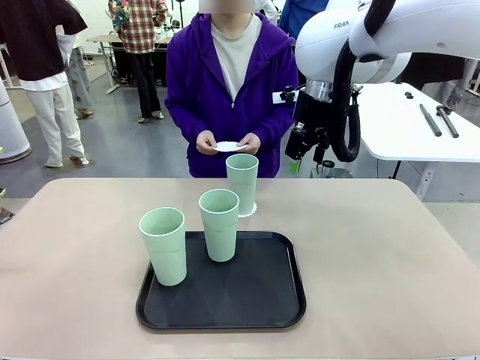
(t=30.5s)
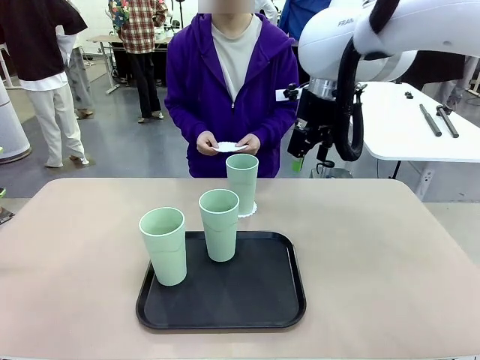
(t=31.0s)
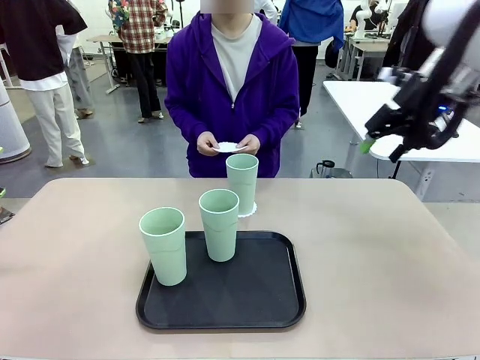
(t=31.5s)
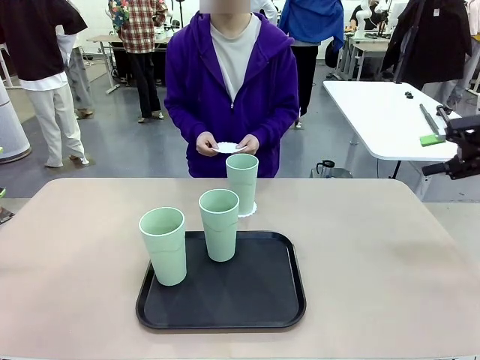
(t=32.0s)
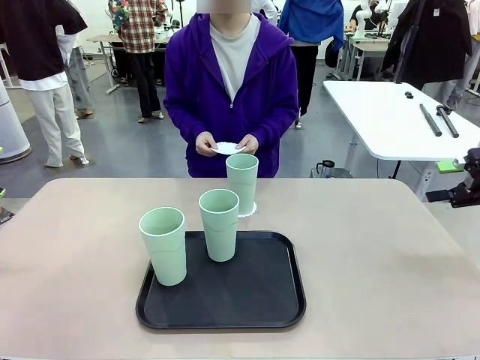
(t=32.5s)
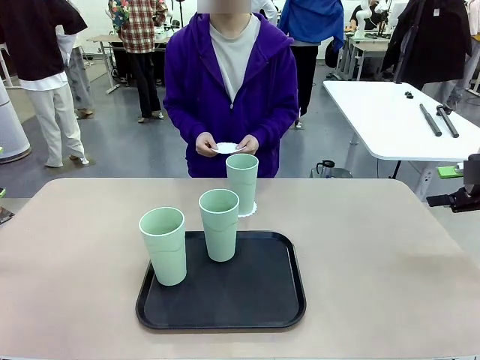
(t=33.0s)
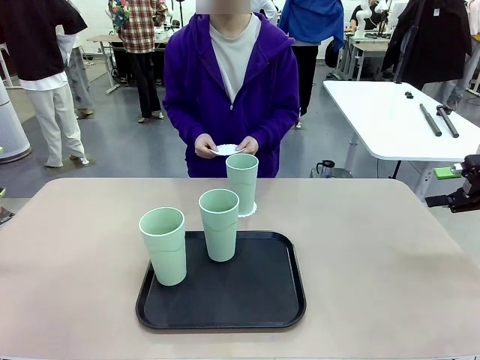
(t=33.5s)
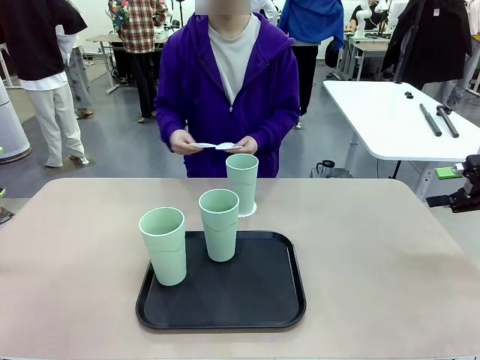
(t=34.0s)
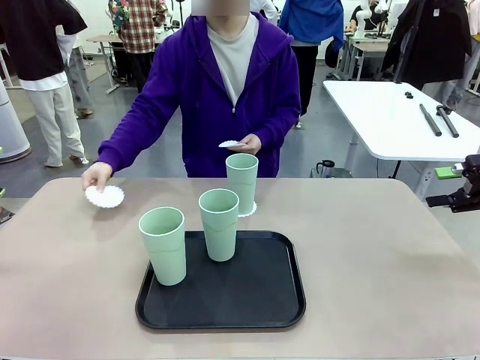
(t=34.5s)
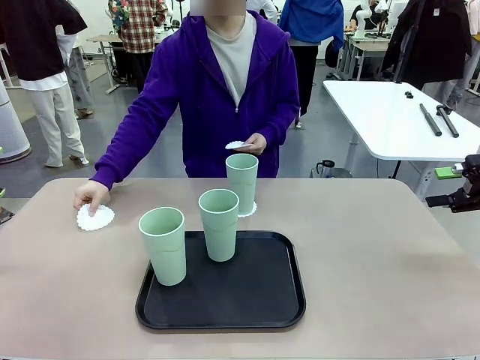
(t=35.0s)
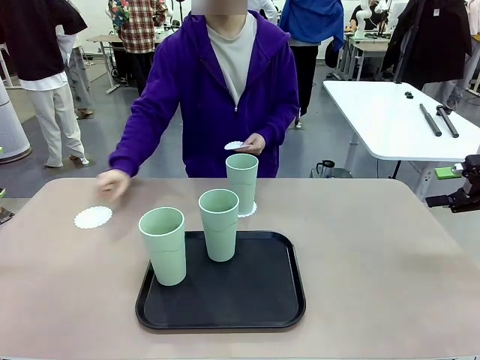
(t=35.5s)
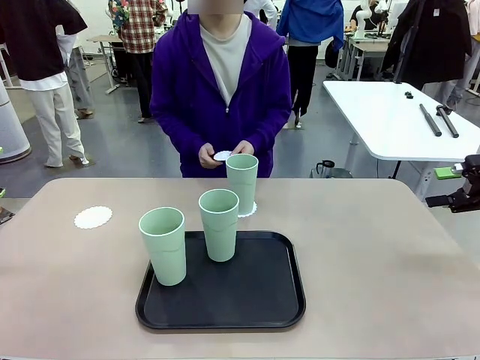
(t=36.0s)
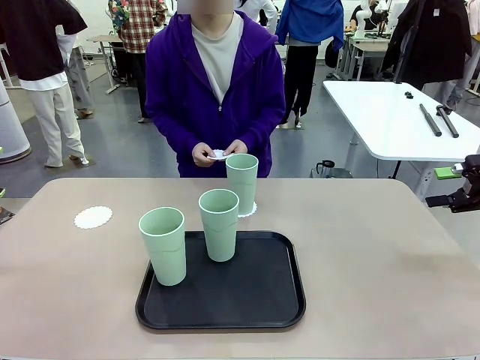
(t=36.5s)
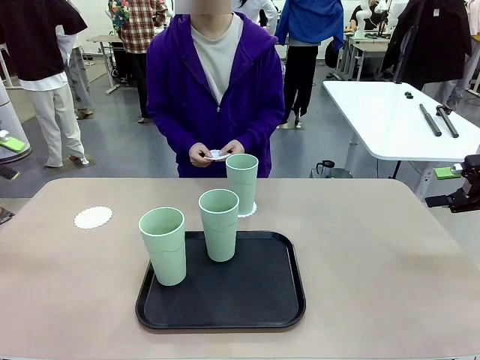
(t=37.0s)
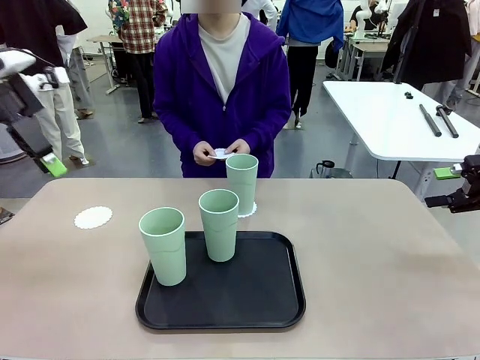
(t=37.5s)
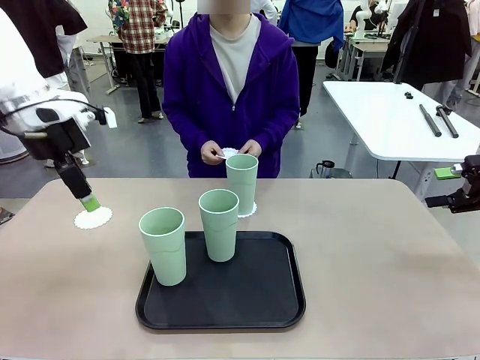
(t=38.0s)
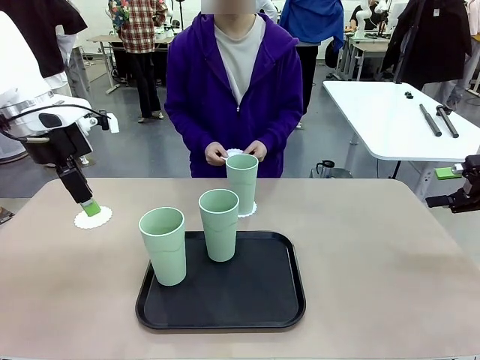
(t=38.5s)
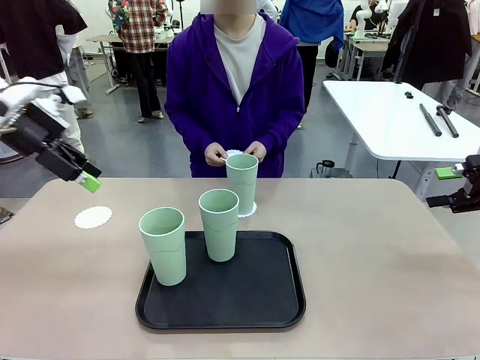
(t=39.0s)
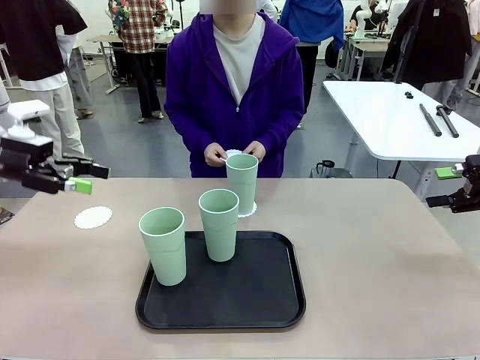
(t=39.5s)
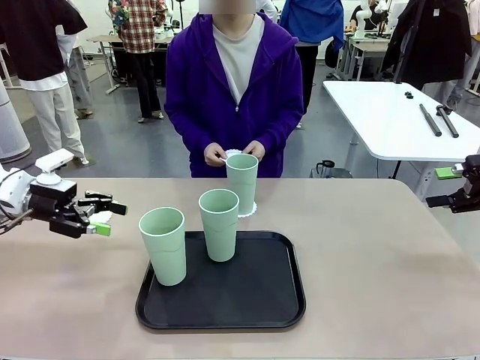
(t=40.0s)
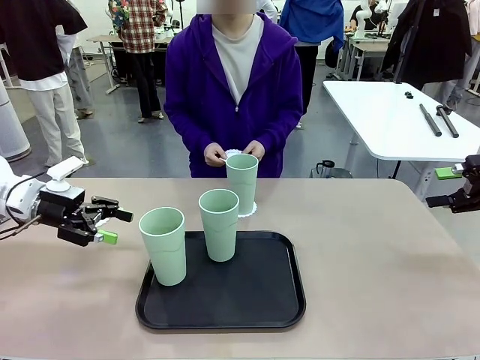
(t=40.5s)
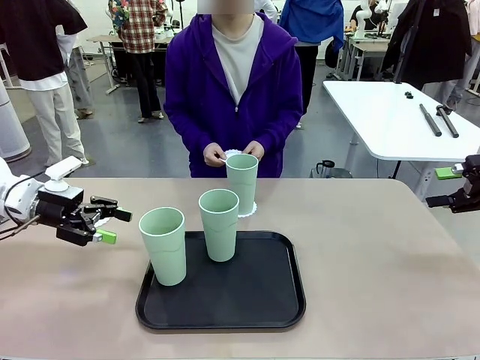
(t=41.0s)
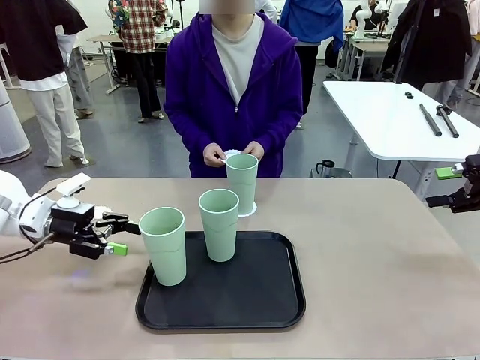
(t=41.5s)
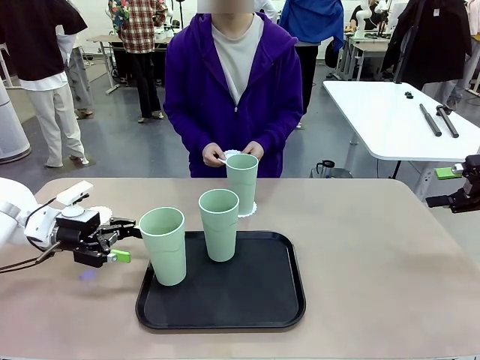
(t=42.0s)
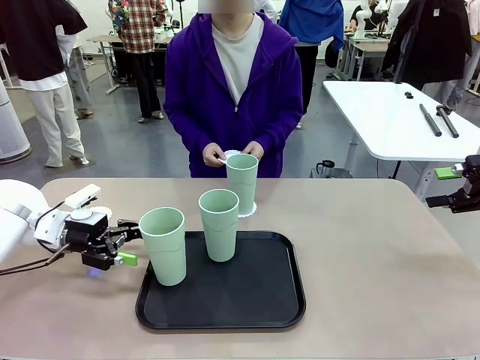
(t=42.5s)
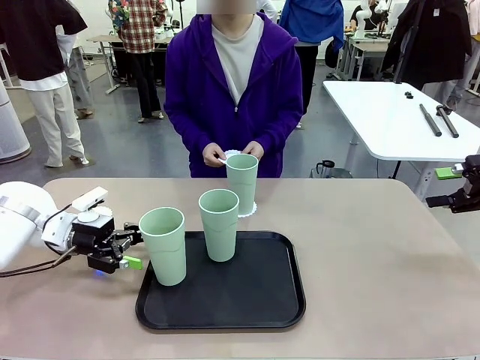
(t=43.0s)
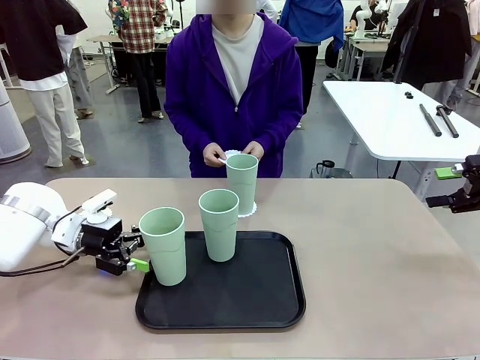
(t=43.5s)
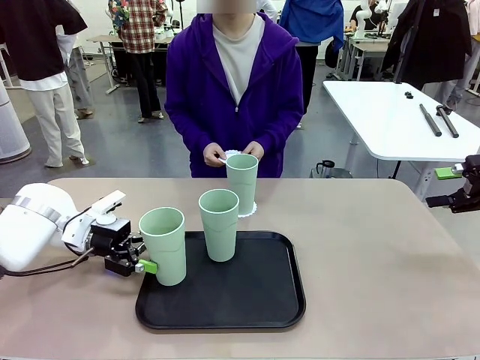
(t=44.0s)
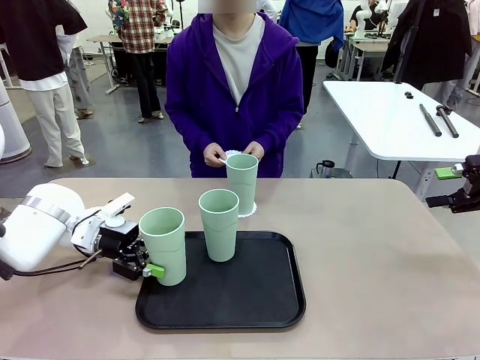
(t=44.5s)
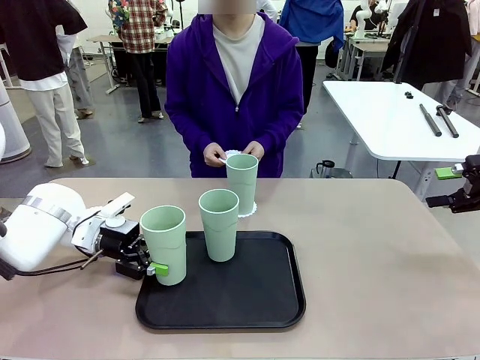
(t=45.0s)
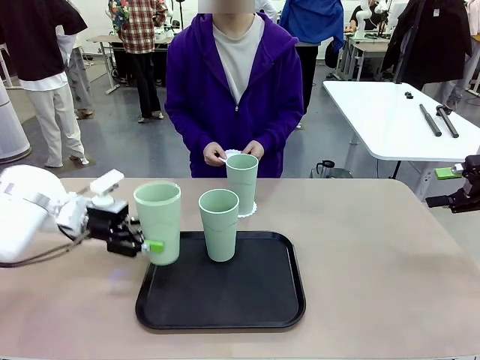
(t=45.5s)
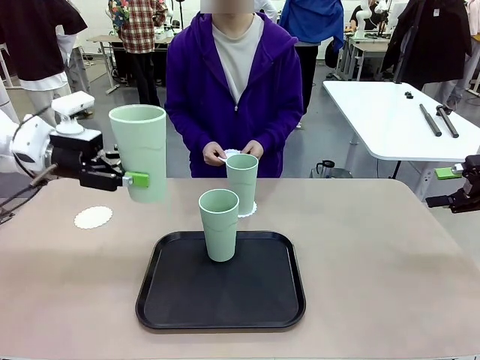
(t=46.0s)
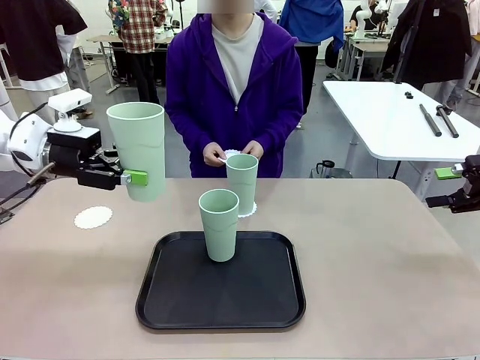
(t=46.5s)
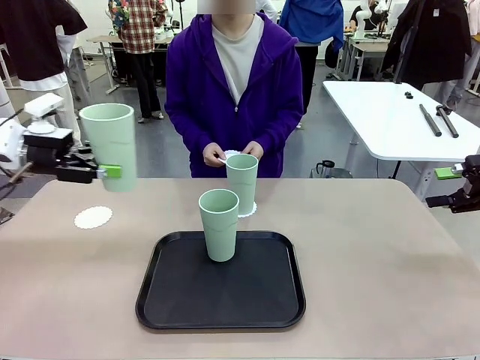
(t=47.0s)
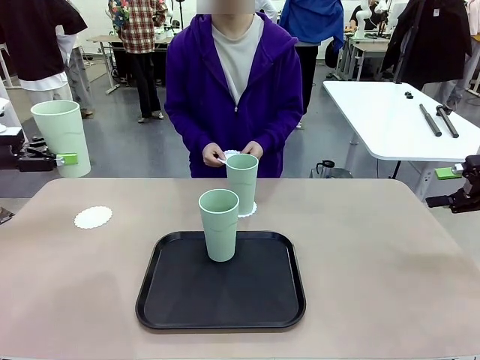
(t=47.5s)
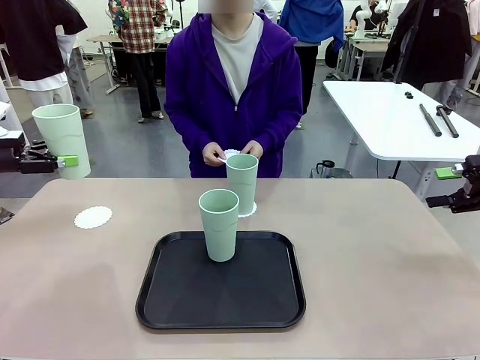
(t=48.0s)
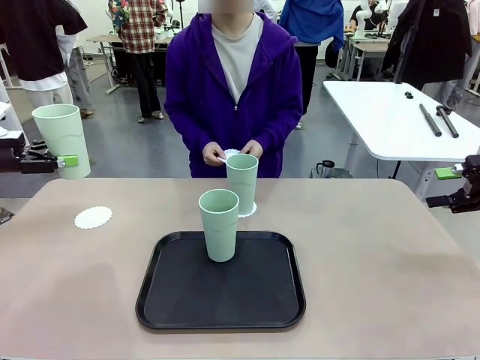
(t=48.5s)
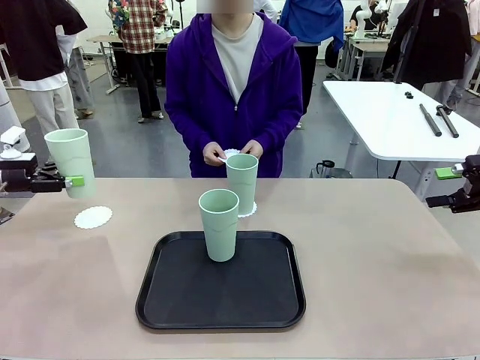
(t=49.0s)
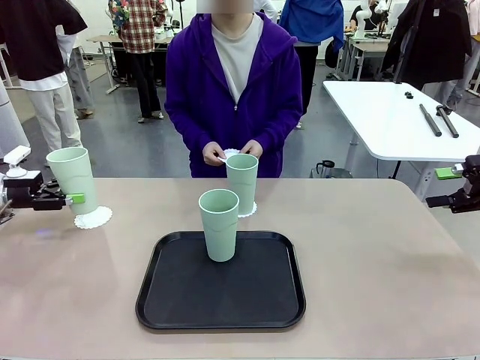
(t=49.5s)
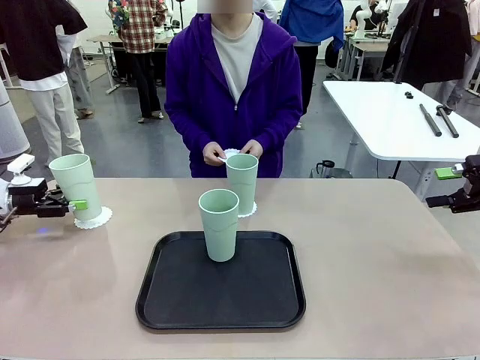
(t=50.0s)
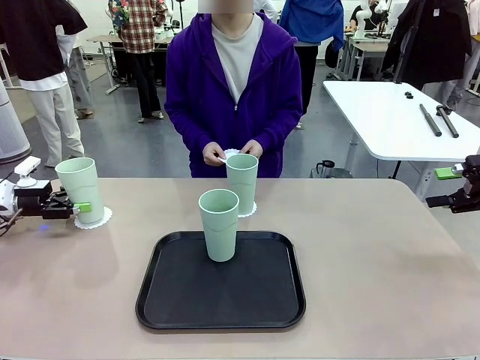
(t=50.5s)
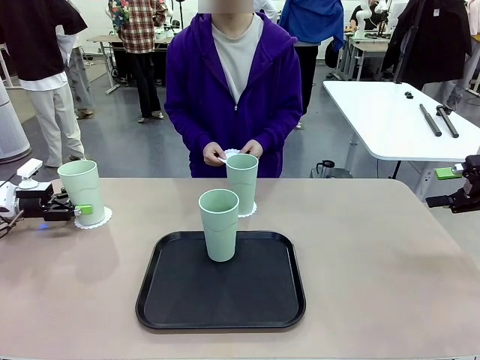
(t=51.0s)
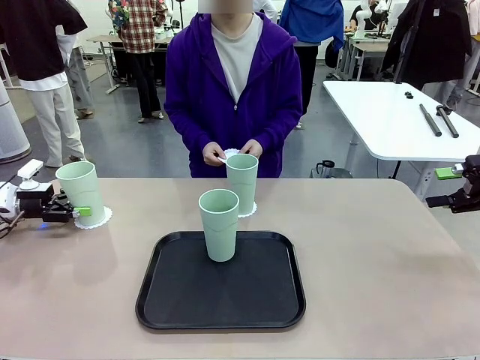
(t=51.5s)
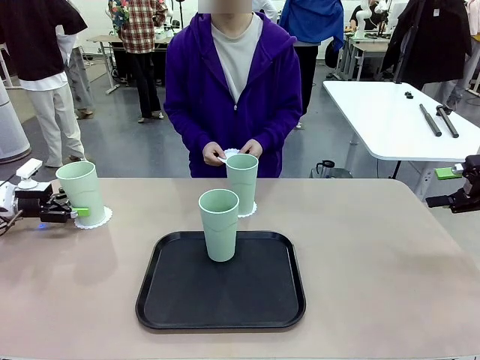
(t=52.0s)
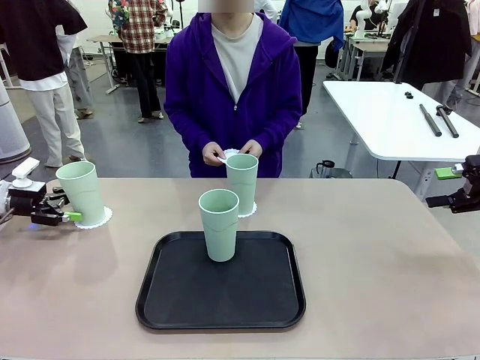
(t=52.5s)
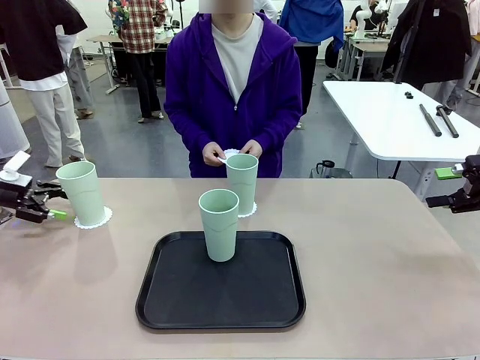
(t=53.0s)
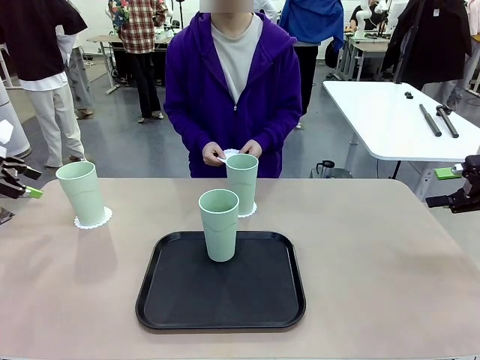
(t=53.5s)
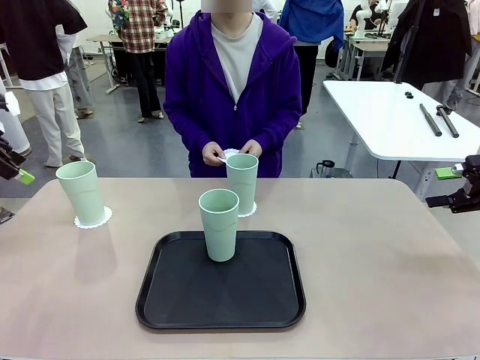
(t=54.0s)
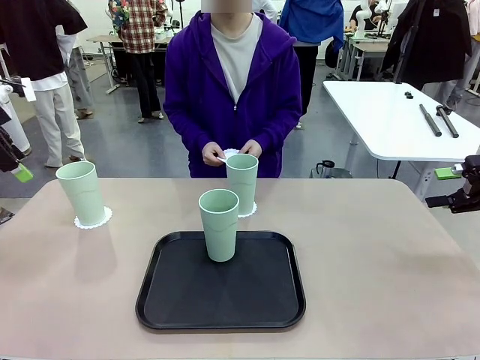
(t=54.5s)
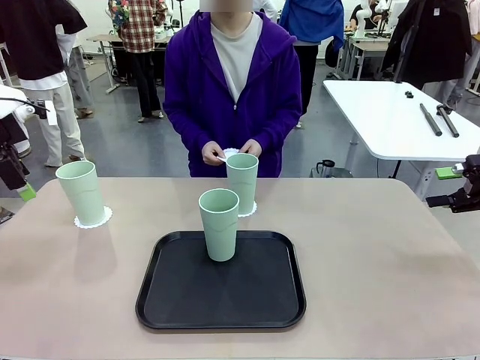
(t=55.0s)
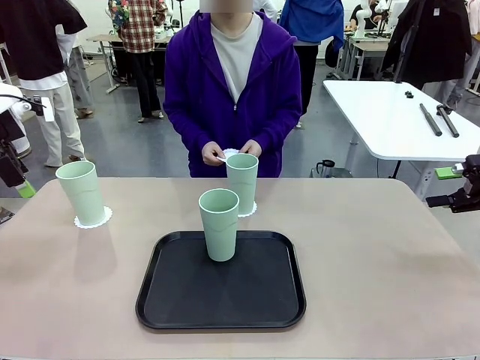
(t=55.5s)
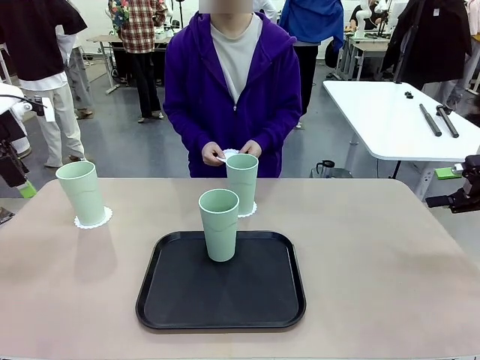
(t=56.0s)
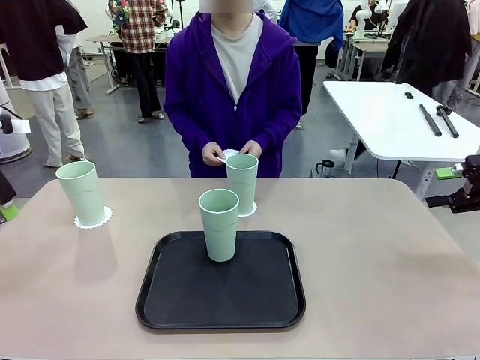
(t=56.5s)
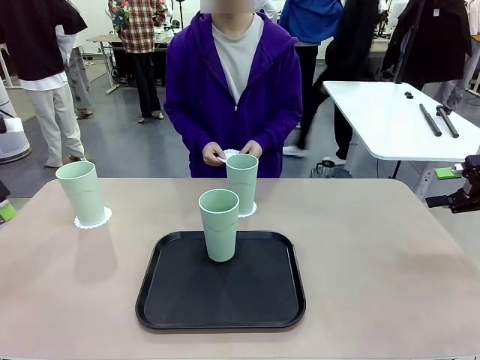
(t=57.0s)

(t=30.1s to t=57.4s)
Task: Place coasters on the table and set cups on them.
Robot: Take one Reusable plastic cup from the Flat Tray and place it on a coaster set by the human.
